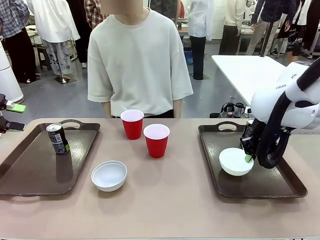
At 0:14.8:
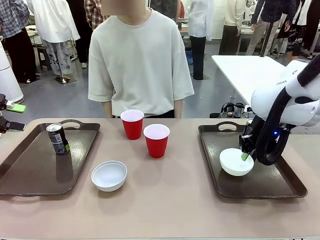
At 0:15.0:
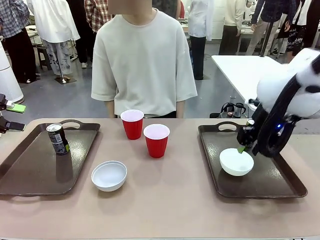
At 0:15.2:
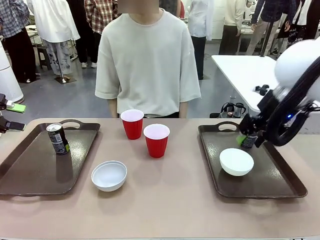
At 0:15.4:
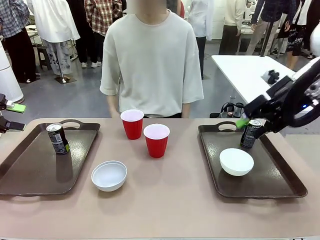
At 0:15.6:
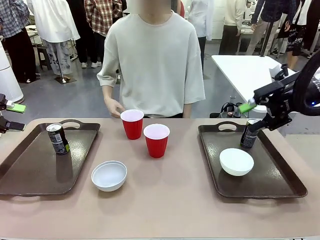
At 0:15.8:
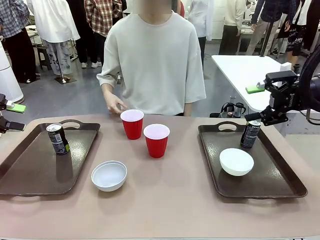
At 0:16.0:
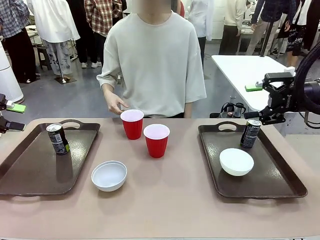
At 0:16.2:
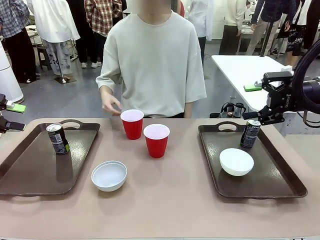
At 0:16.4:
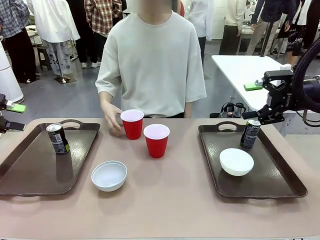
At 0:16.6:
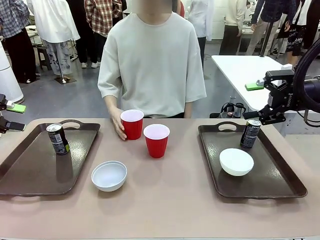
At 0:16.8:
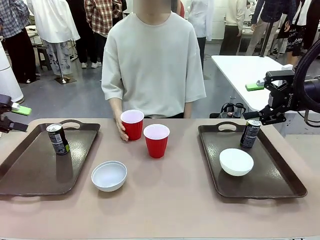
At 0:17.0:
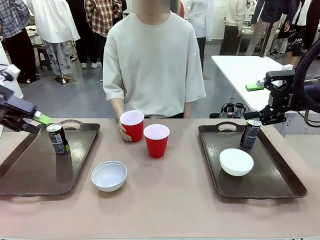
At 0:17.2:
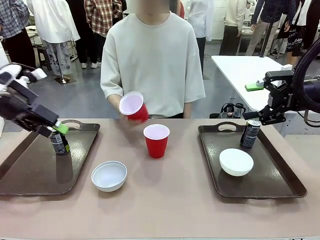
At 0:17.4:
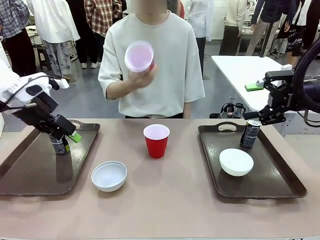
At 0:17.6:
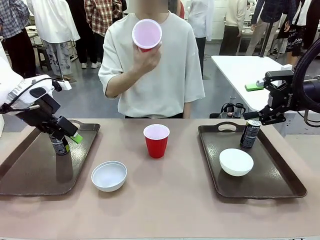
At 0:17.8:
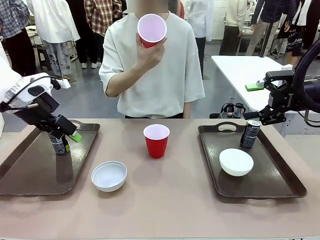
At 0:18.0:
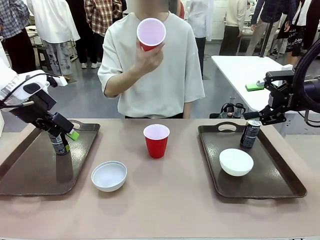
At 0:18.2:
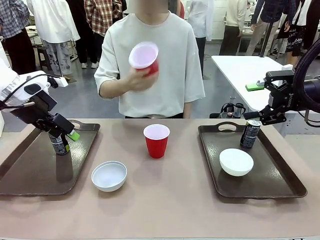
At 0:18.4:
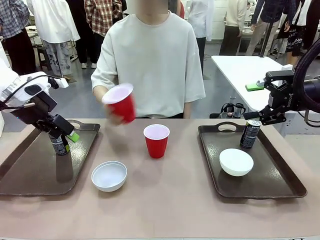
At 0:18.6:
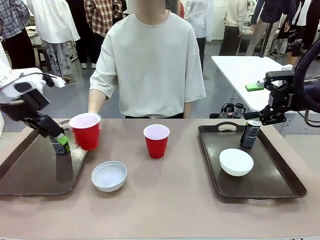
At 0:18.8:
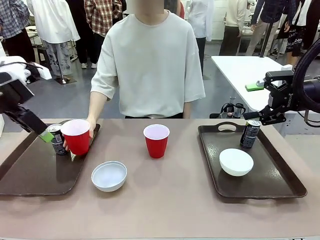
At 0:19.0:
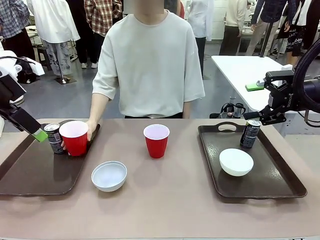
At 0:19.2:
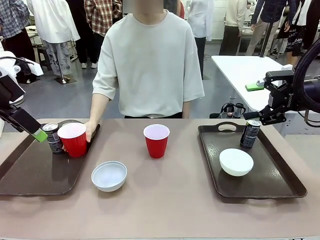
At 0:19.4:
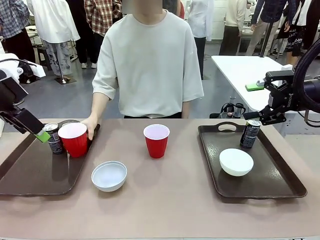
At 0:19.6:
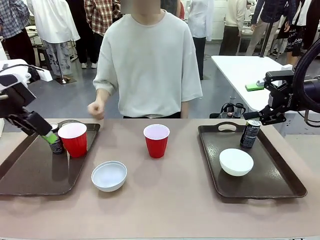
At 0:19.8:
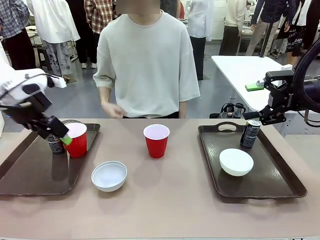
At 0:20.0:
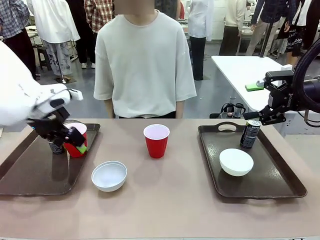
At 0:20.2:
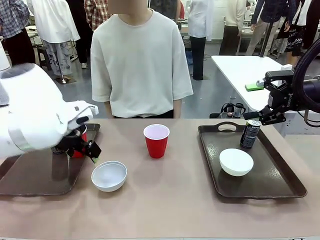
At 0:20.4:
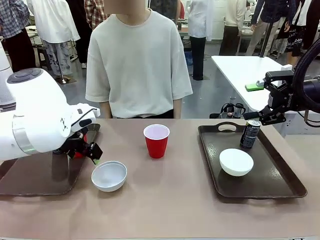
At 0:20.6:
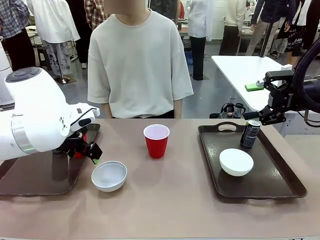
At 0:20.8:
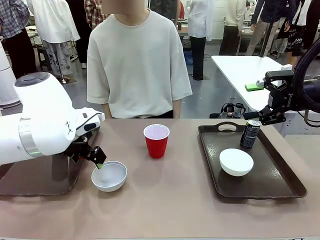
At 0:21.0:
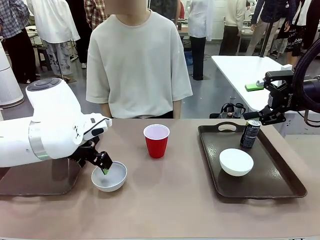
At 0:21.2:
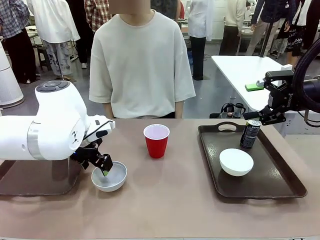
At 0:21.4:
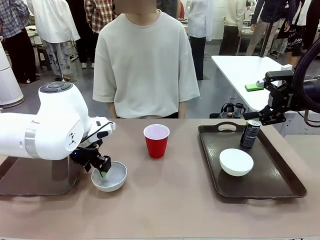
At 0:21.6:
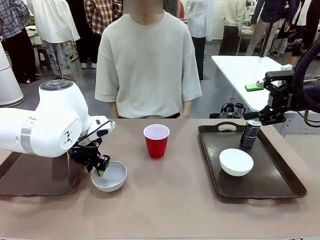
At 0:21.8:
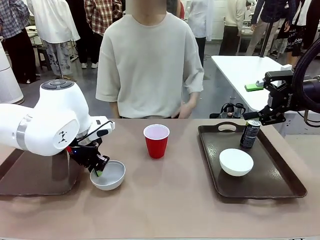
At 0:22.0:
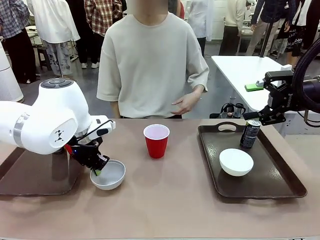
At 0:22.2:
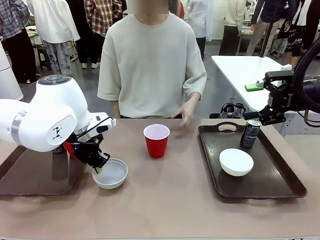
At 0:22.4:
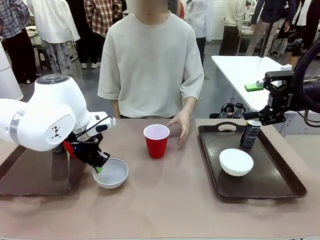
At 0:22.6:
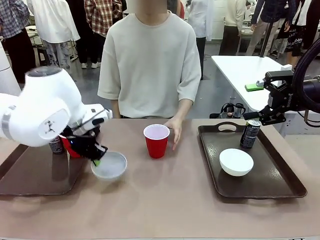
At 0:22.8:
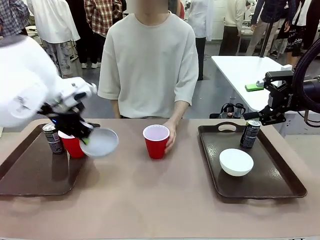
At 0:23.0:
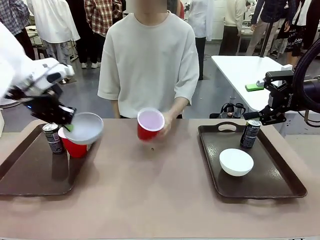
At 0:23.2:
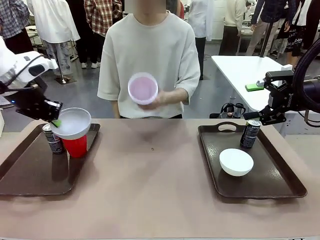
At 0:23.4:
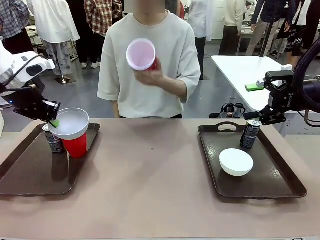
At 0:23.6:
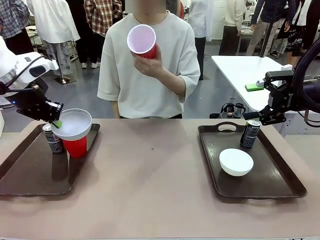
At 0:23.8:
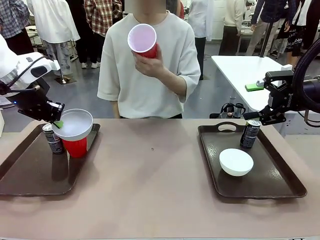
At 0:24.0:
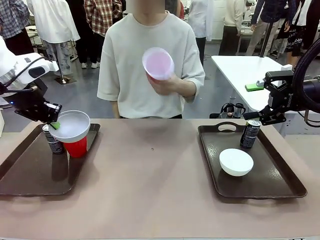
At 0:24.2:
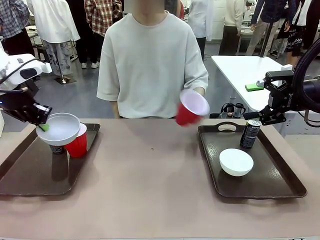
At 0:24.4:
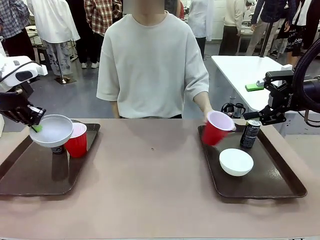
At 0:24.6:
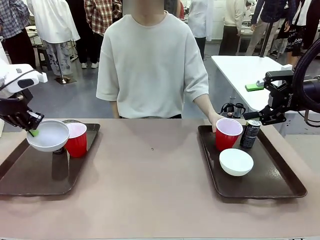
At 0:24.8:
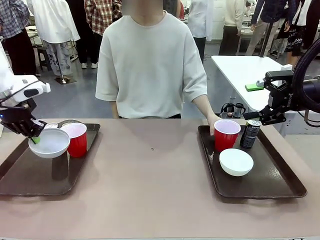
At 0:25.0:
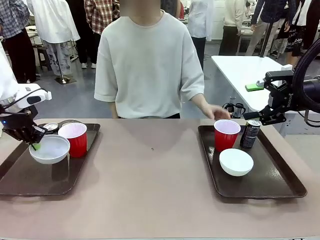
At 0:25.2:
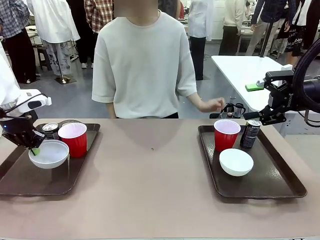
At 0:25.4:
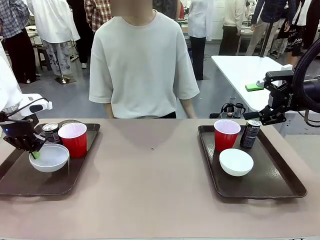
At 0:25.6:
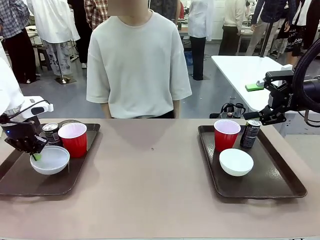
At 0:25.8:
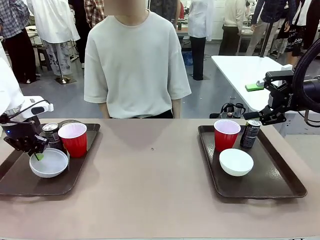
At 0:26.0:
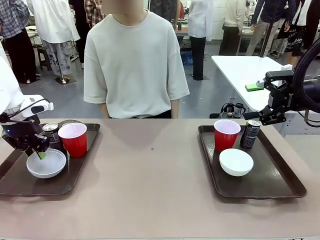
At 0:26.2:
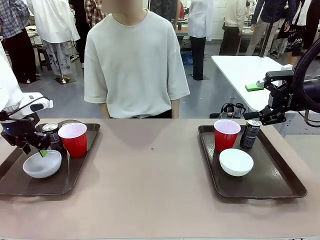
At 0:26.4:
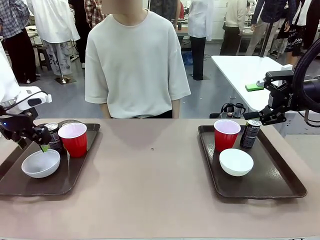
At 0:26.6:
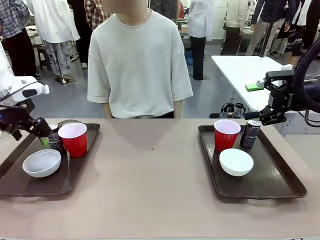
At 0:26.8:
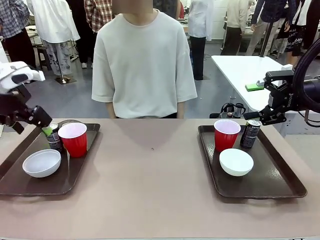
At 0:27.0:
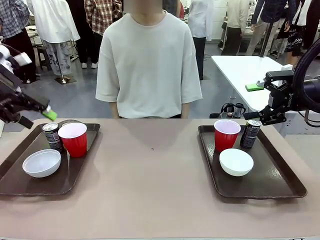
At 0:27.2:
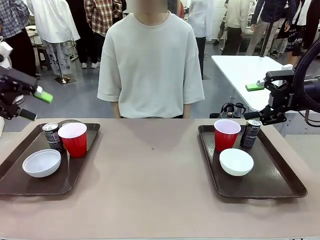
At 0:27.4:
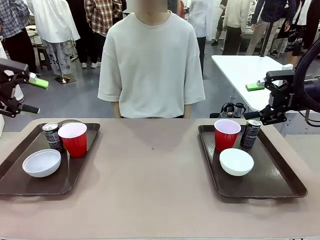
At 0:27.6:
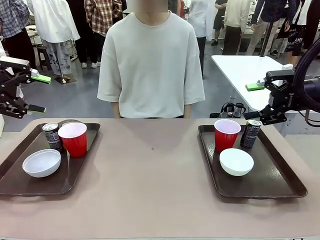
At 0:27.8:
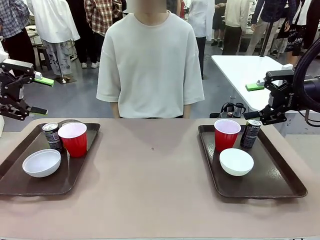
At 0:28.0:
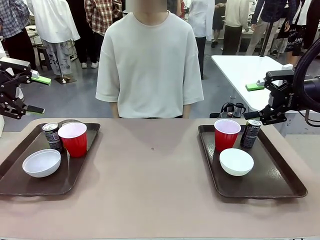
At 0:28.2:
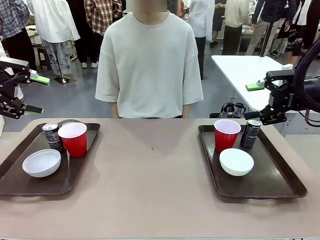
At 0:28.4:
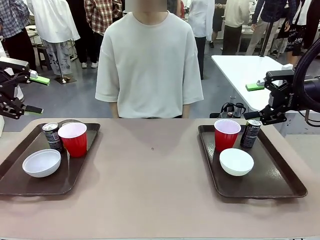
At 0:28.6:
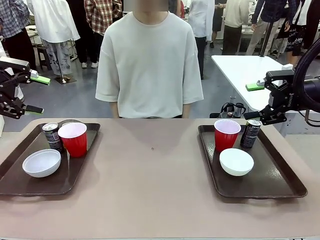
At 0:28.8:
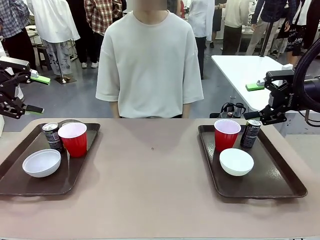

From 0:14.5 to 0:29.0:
Task: Prepare tableware on both trays.
Robot: Pick up a Picnic Bowl from the table and place it on a Handle tray.
Person: Pick up a can or cup and place it on the tray without a can or cup.
